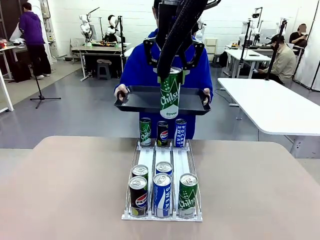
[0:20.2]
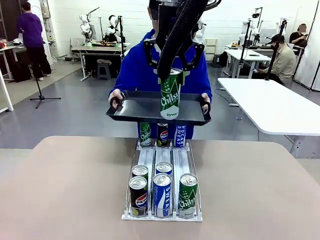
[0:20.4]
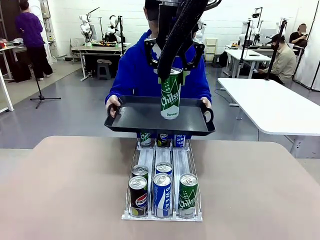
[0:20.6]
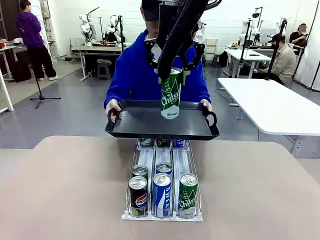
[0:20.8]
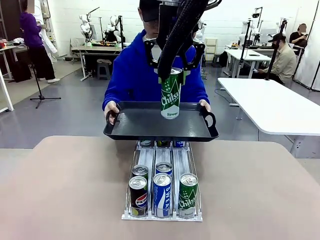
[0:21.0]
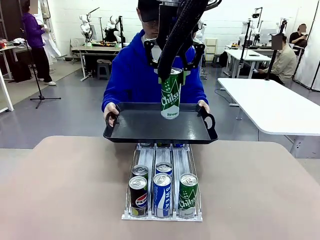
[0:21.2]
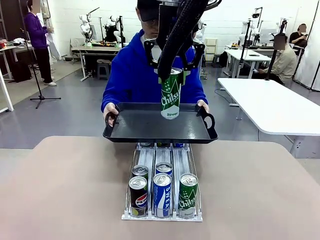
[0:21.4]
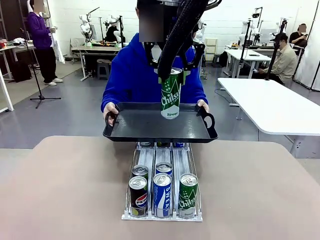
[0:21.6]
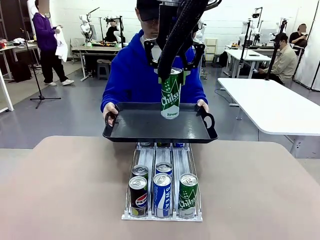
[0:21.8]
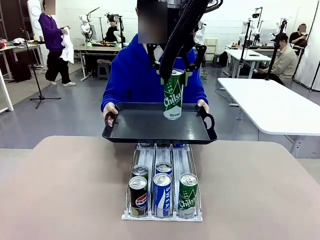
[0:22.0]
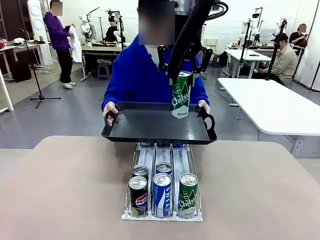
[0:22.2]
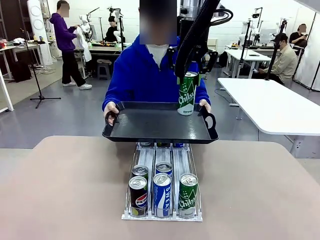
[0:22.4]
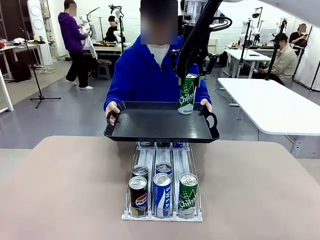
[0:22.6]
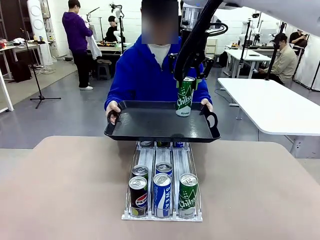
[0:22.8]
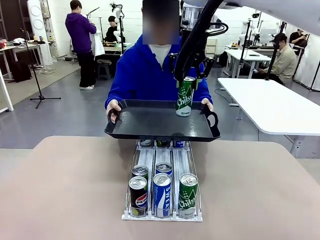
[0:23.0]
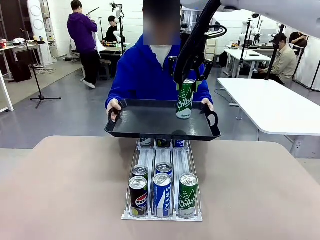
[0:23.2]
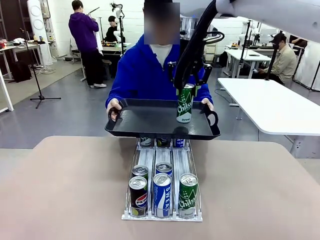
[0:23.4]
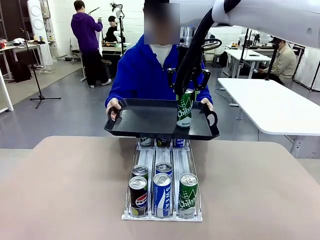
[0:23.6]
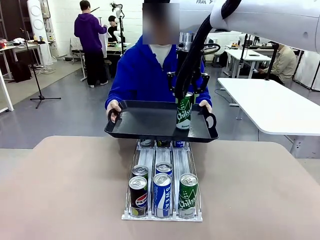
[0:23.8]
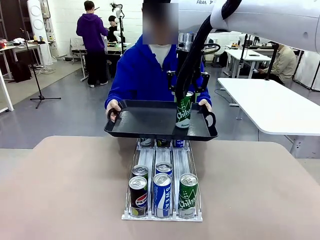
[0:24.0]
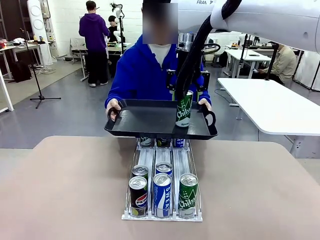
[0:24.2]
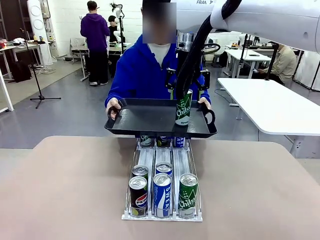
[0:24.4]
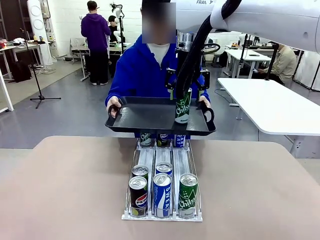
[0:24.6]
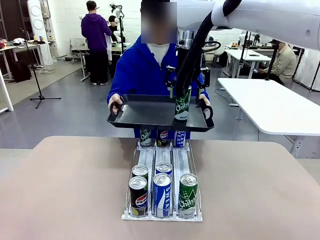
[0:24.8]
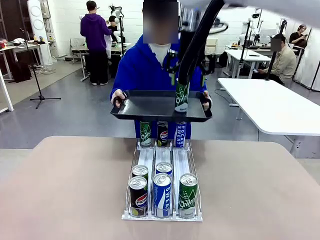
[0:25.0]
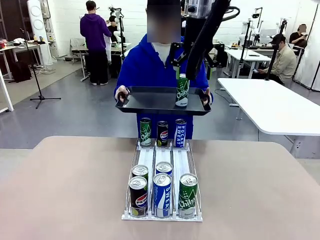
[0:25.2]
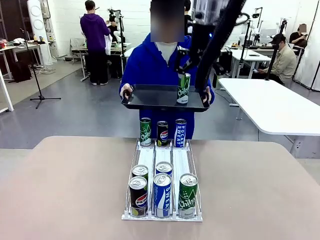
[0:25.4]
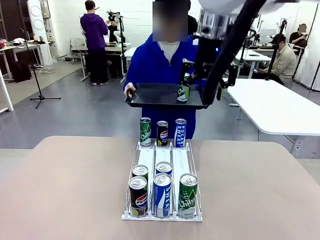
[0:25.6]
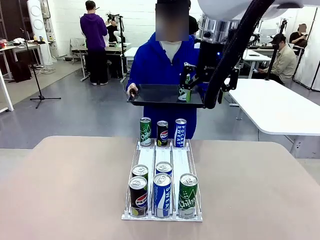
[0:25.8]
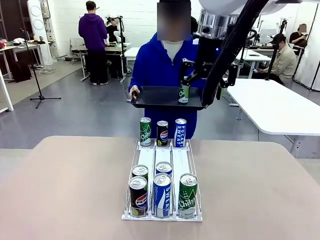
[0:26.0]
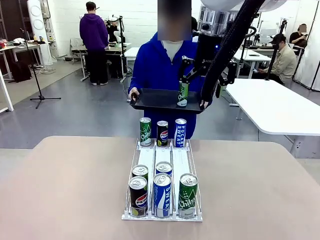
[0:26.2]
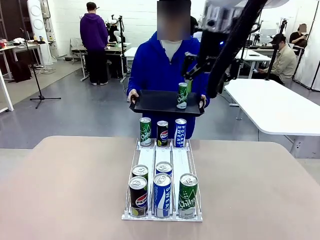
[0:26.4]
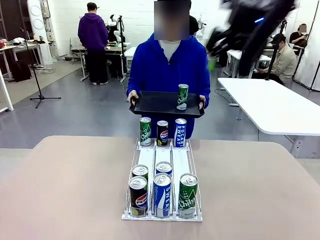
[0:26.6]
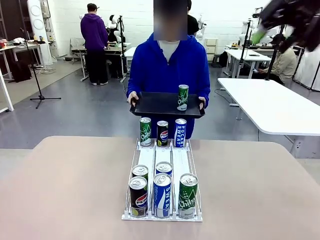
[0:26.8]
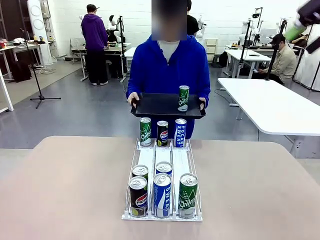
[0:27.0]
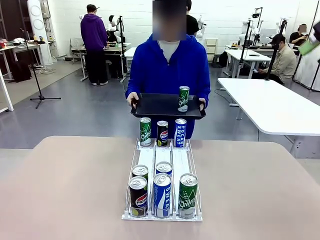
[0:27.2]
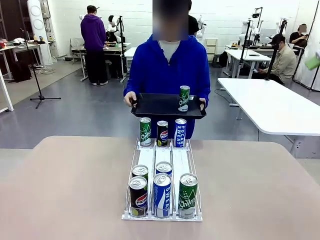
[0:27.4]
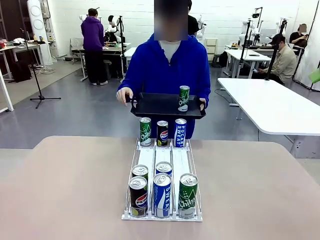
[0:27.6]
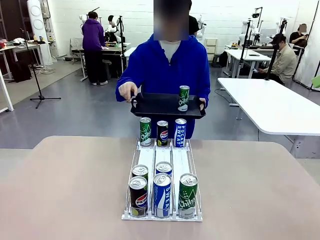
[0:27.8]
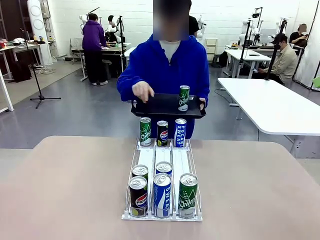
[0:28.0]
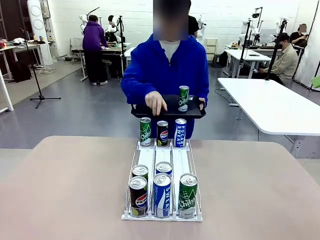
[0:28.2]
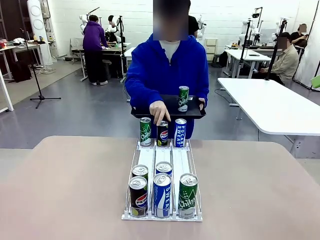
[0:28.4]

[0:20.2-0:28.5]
Task: Retrieve and hand over the desired beverage to the person.
Robot: Place the picked can on the Handle tray extended by the person.
Person: Pull the tray back, then pick up another can from the bottom area of the table and puts it back in its original place.

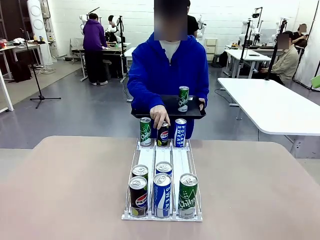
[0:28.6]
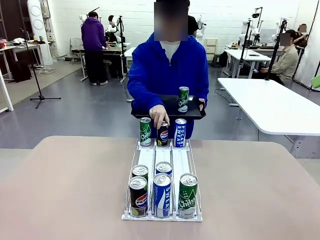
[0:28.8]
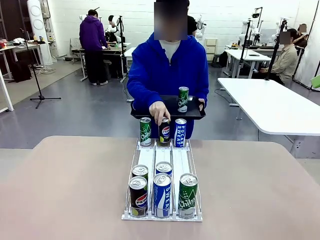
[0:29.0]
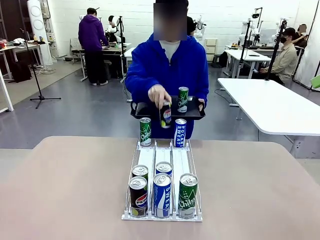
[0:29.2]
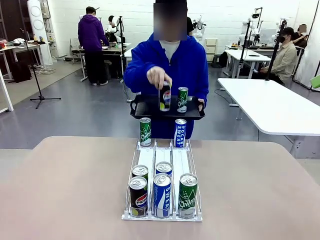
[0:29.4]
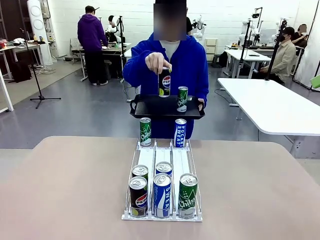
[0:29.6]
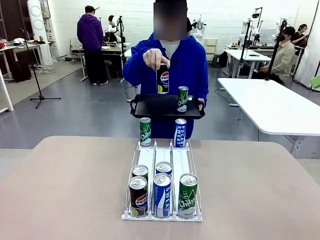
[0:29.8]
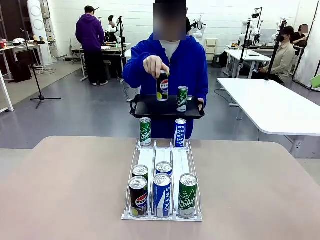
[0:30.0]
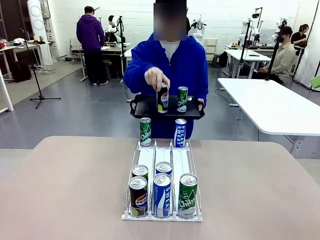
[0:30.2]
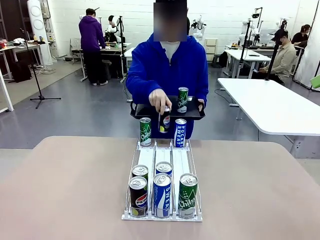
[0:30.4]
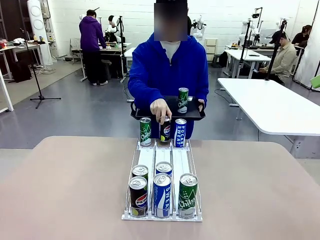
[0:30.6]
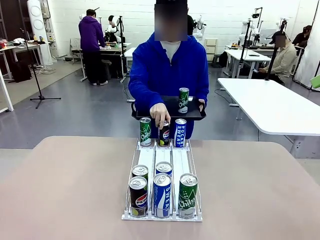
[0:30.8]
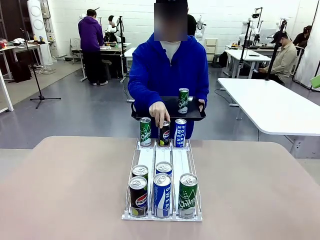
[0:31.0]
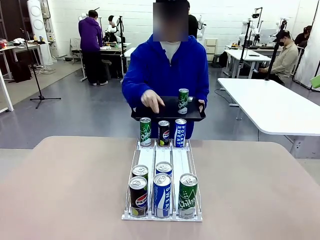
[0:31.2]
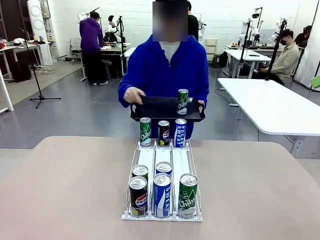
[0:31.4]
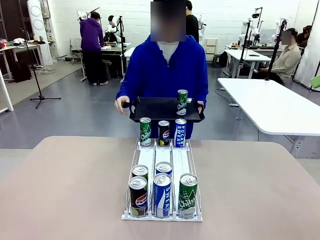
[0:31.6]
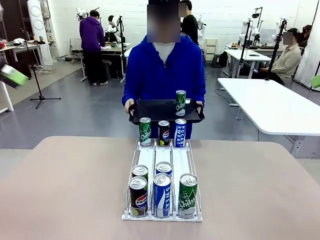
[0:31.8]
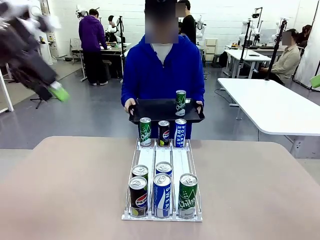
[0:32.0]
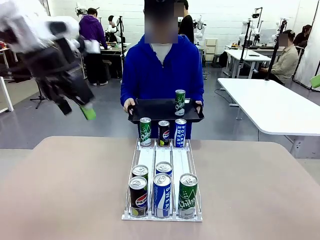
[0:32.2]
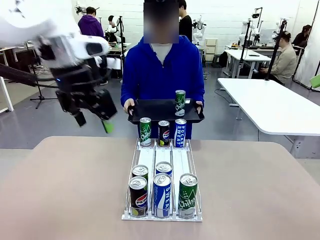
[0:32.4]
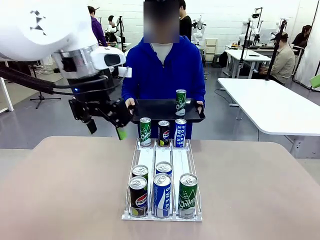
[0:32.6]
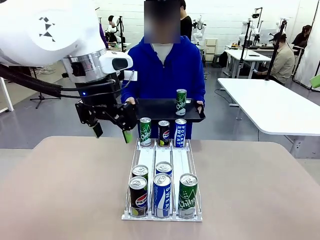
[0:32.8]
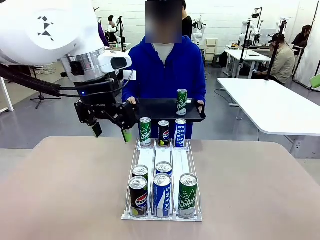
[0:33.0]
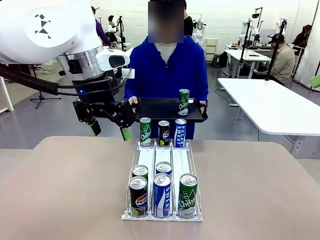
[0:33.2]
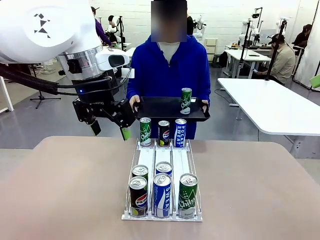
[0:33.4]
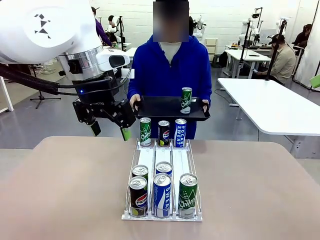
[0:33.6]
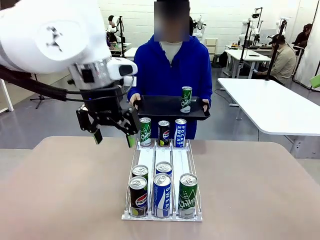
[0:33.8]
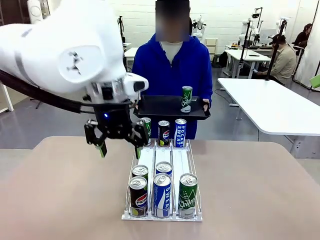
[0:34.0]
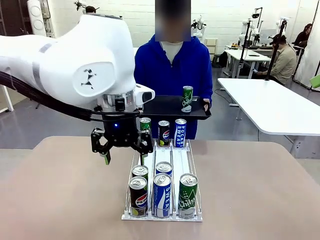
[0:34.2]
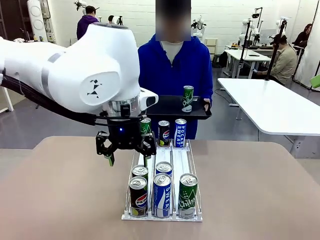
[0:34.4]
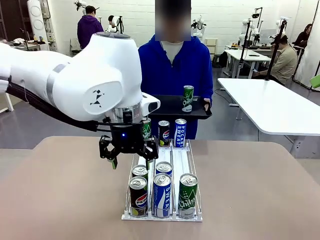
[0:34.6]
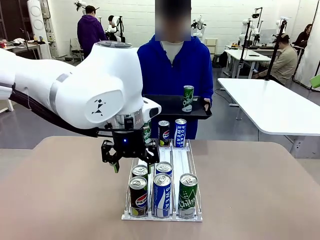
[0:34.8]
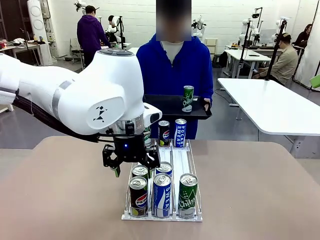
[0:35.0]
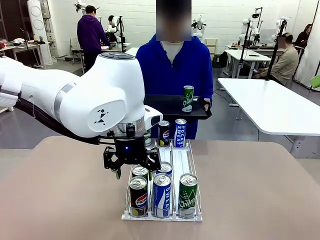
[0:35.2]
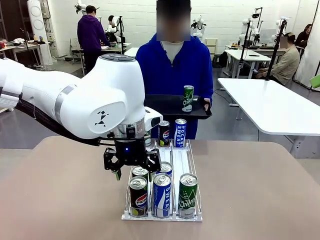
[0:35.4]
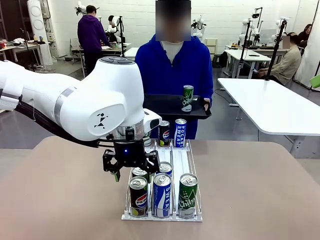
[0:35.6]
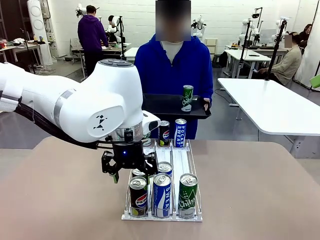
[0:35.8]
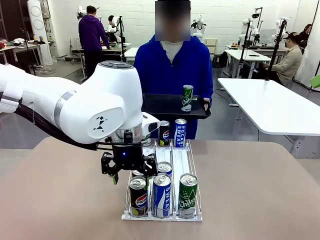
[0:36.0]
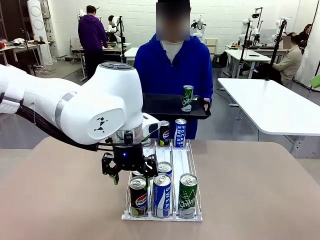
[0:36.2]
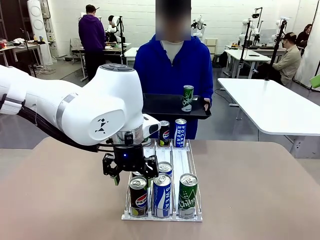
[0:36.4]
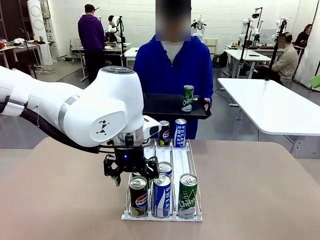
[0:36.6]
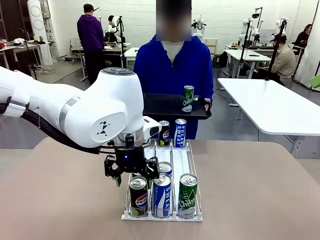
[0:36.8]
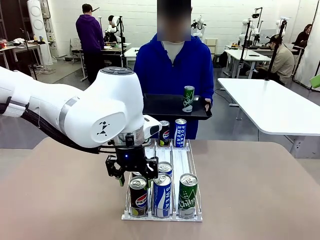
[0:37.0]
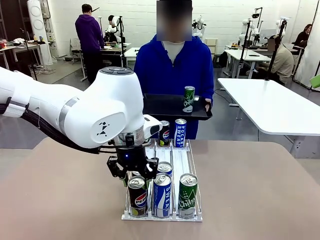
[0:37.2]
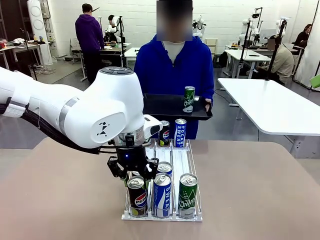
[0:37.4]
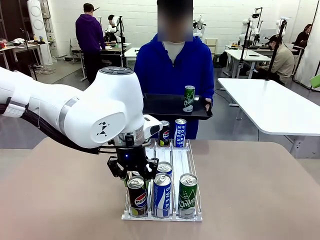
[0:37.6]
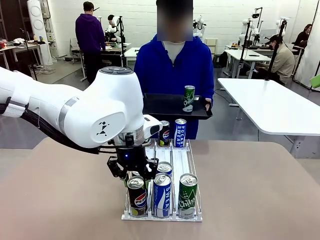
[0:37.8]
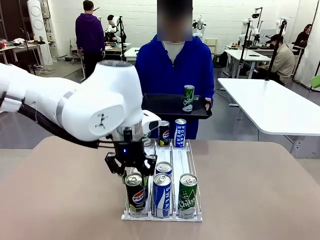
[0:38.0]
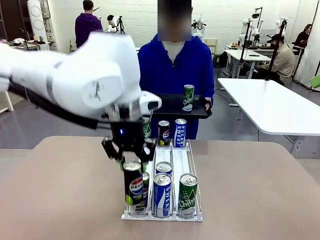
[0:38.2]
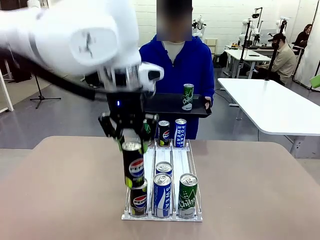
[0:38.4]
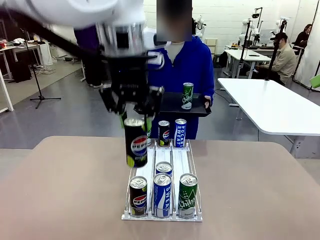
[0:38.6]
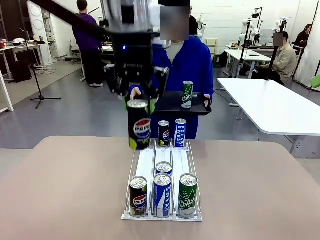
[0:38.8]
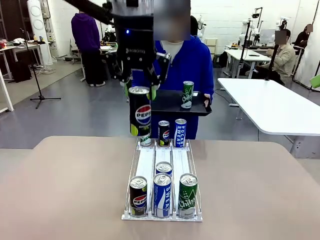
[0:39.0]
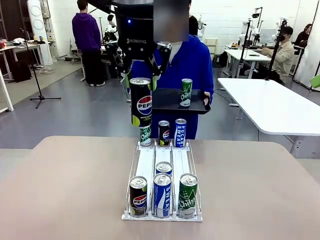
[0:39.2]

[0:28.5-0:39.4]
Robot: Pick up another can of the same type that the person held from the Automatic Can Dispenser.
Person: Push the tray toward the robot again.
